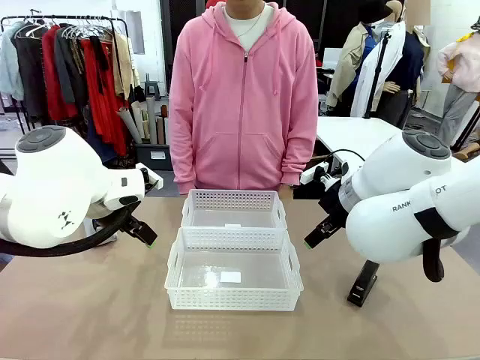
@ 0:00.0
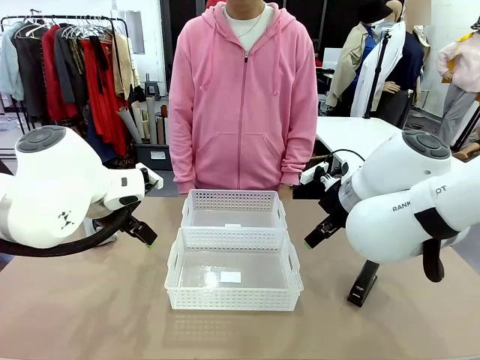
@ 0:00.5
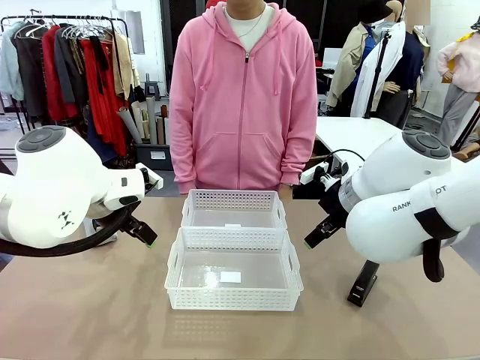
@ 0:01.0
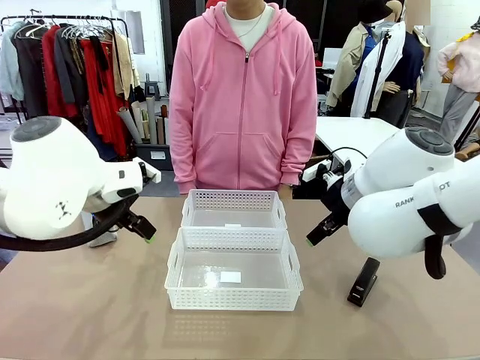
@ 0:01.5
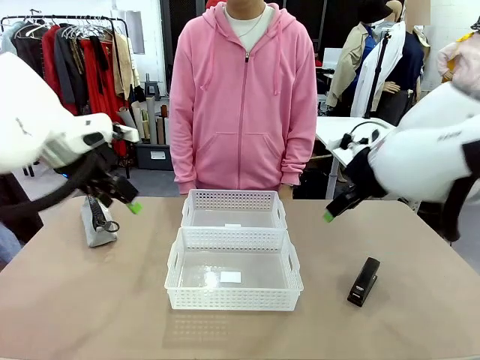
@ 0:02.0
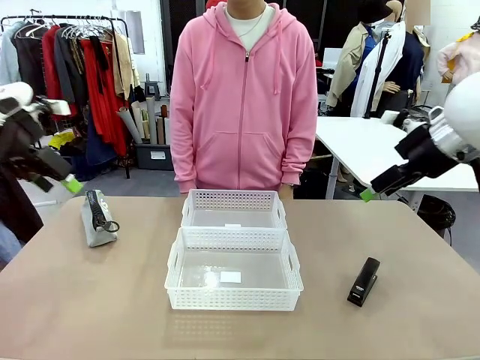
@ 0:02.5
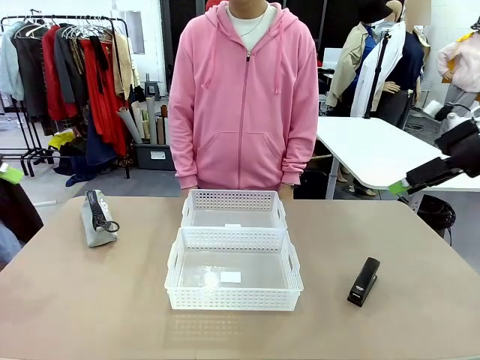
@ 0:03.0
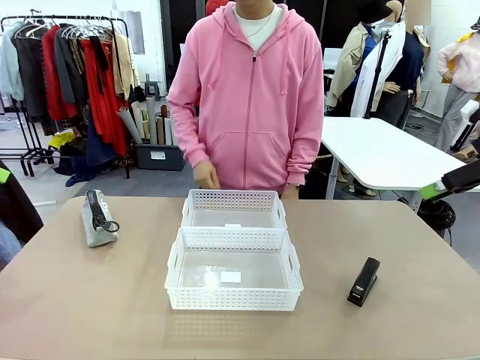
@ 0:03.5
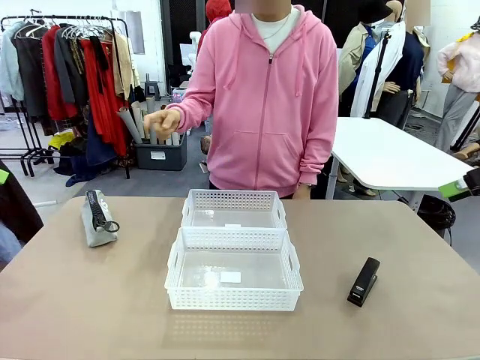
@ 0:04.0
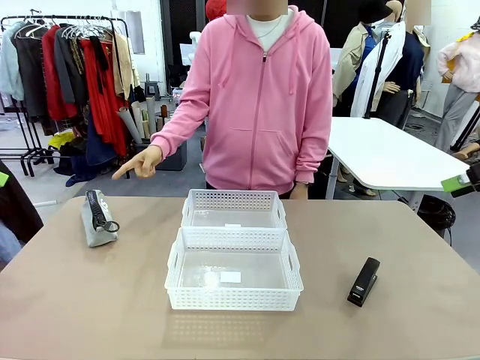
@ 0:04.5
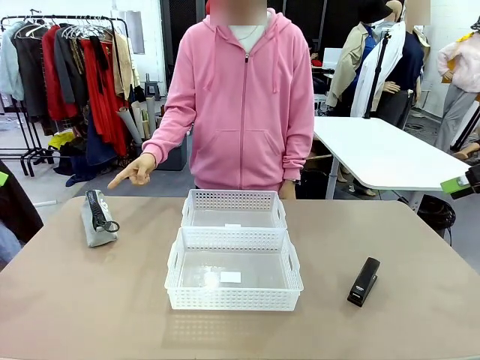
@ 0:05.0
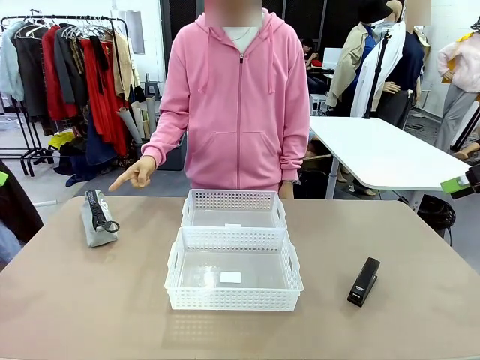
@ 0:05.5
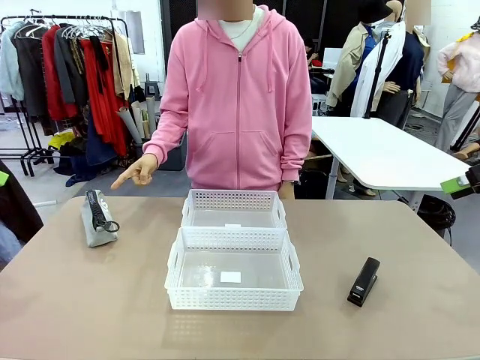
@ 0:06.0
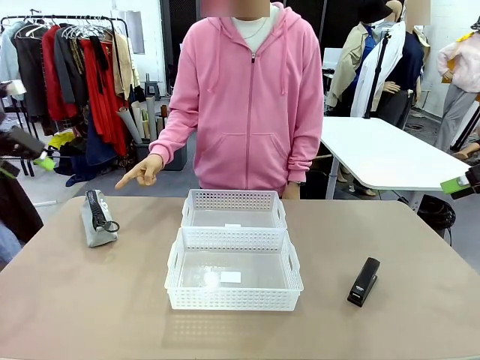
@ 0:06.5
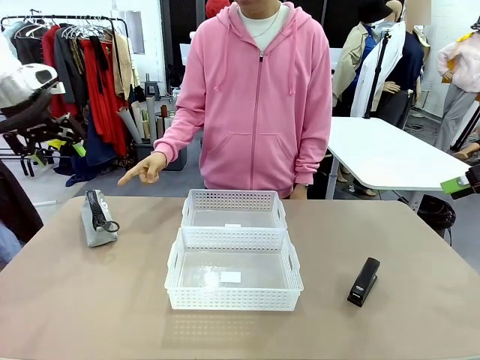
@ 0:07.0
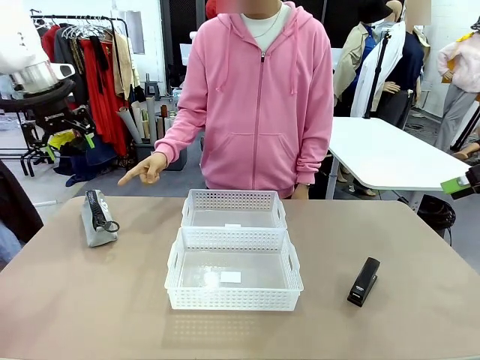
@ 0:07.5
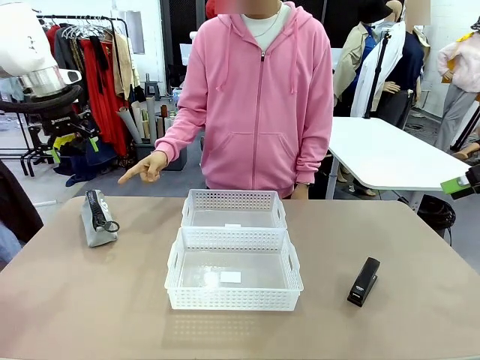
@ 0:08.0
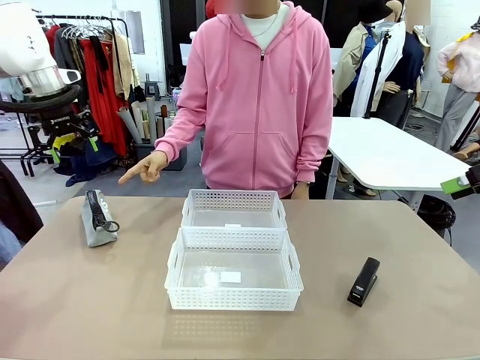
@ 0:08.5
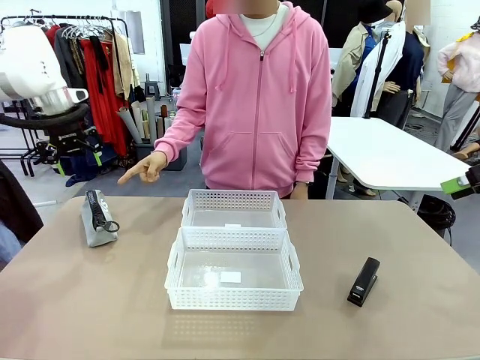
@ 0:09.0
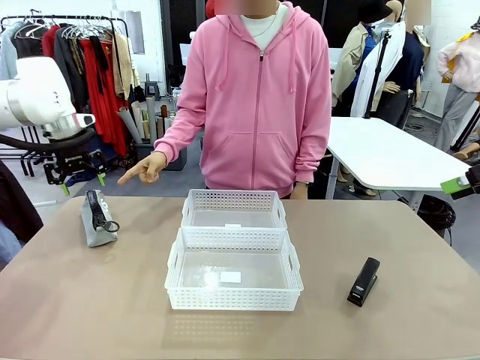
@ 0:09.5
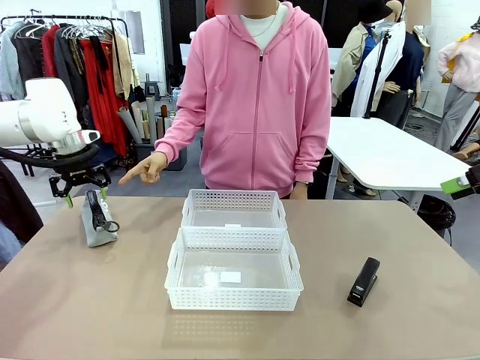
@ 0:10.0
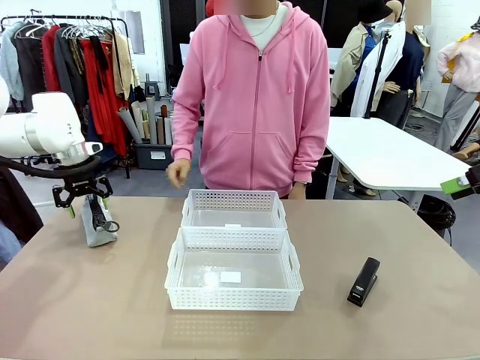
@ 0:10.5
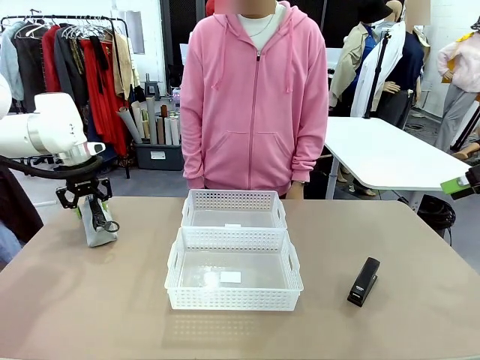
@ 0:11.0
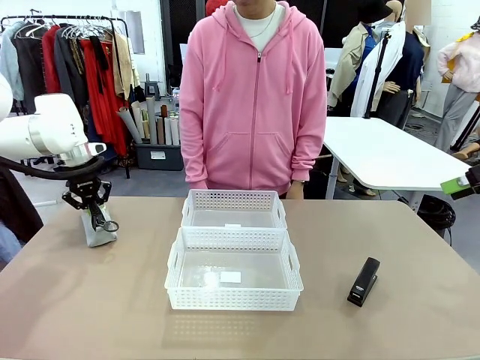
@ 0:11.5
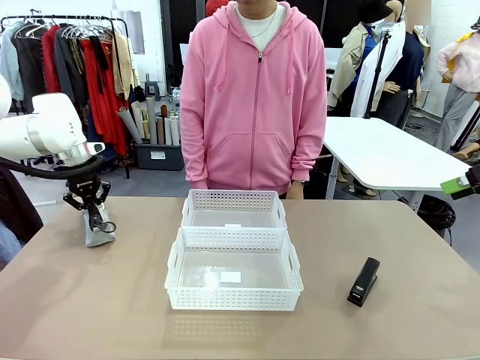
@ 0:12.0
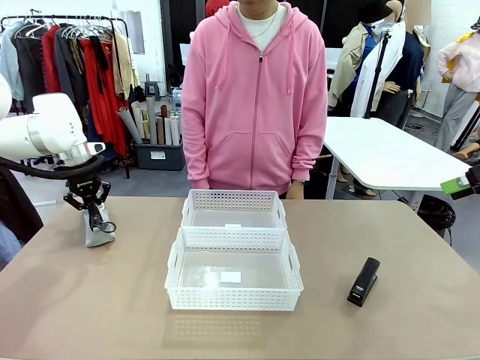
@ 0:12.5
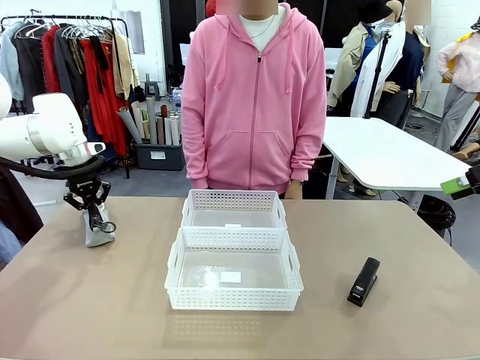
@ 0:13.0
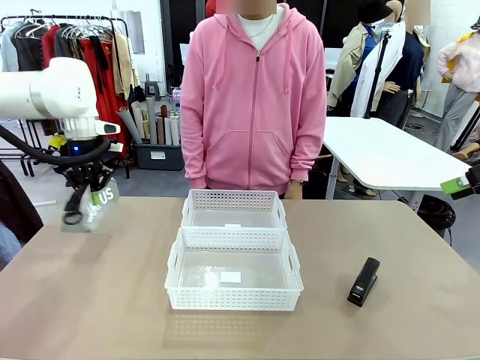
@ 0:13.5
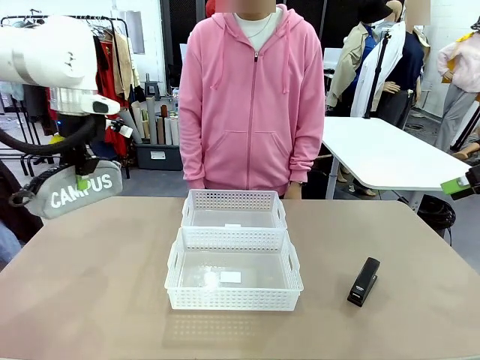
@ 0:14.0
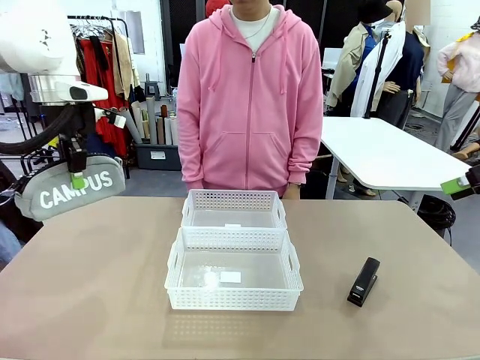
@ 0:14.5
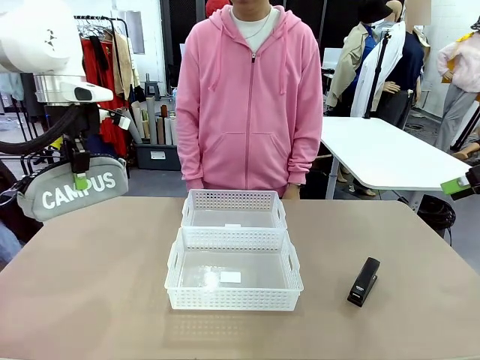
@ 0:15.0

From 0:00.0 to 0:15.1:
Task: Distribute items into two baskets.
Robot: Pick up the Pencil pouch that the person points to.
Person: Points to the pencil case. Points between the two organizing baskets and instructs the robot to move the pencil case.

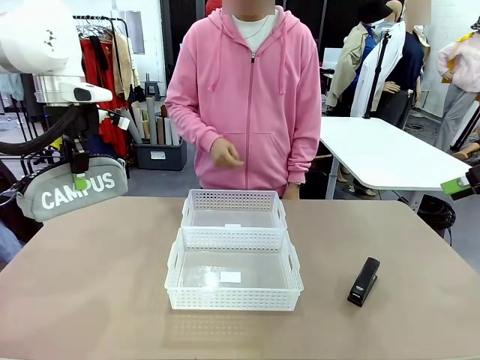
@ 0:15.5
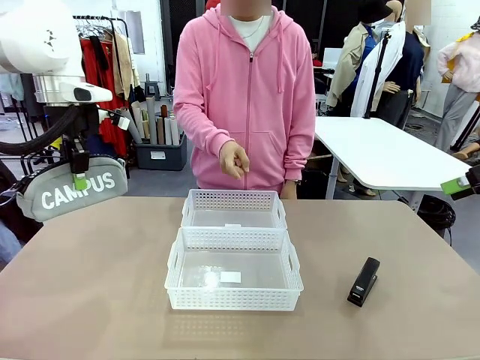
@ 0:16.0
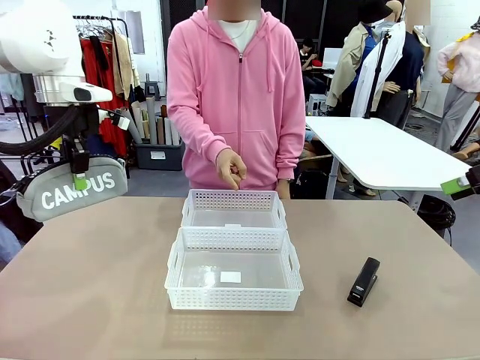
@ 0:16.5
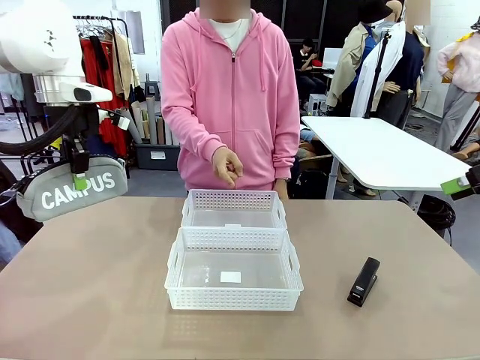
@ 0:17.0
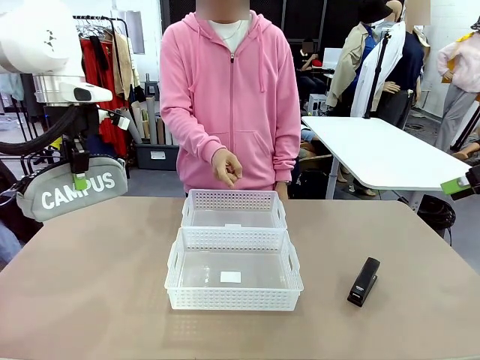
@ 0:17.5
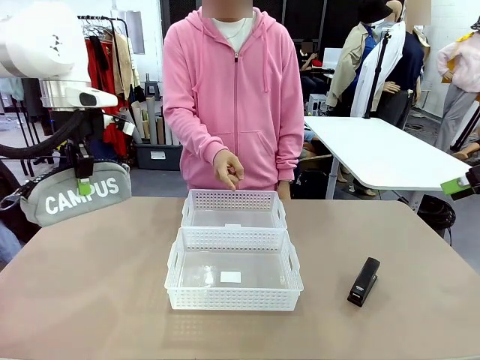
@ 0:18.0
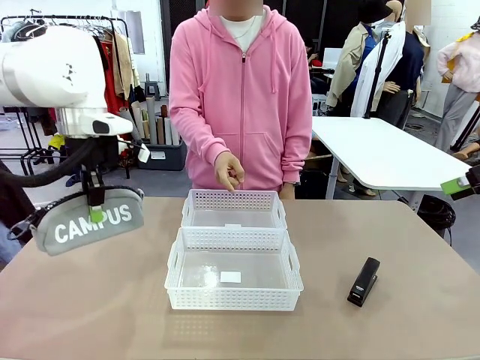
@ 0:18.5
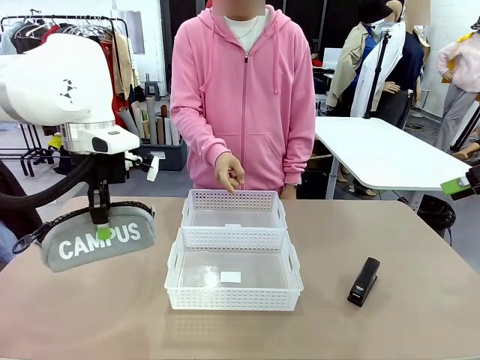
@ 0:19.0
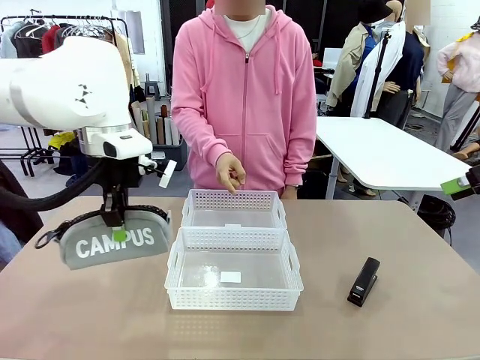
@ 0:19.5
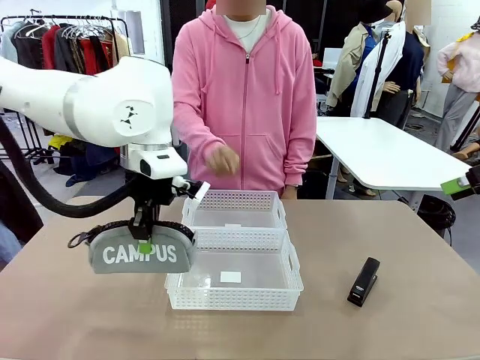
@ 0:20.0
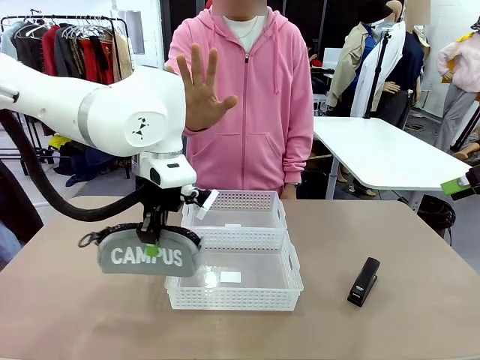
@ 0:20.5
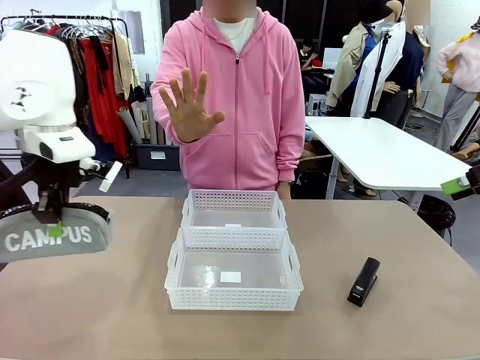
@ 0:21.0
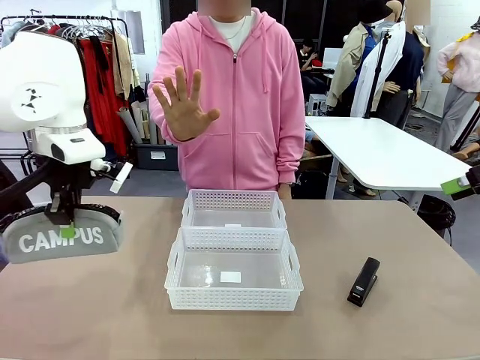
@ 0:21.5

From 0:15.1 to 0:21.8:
Robot: Move the picked Pencil pouch towards the Organizing basket indicated by the person, stopping as directed.
Person: Sends a stop gesture before the robot places the pencil case into the basket.

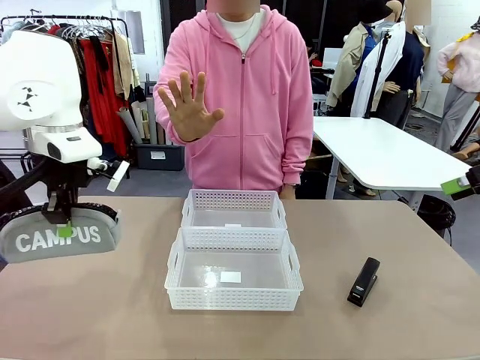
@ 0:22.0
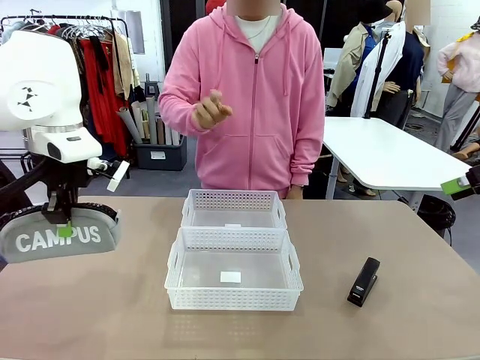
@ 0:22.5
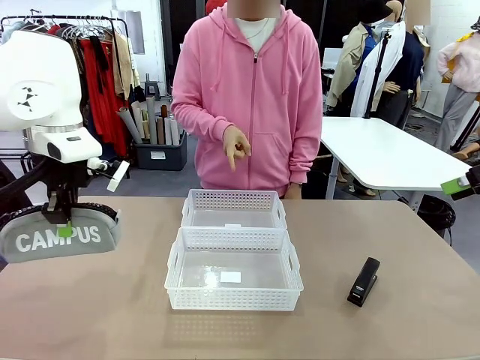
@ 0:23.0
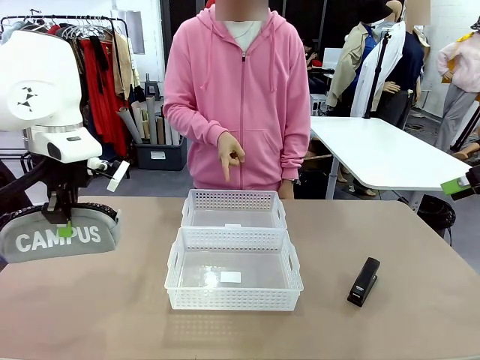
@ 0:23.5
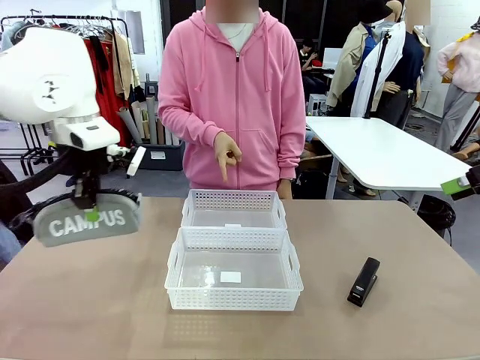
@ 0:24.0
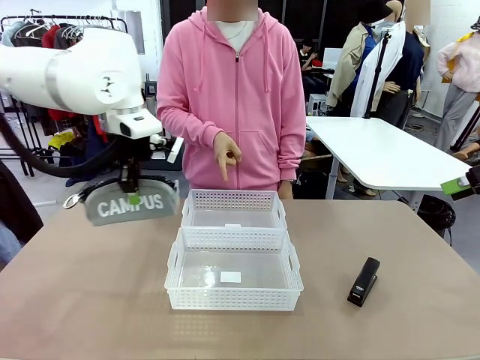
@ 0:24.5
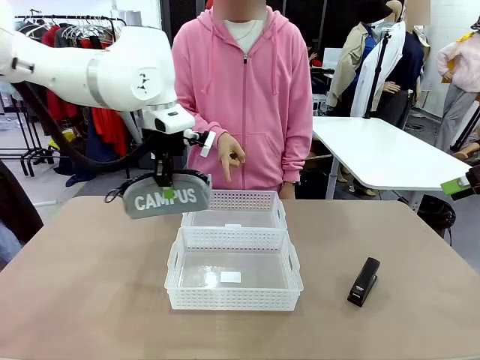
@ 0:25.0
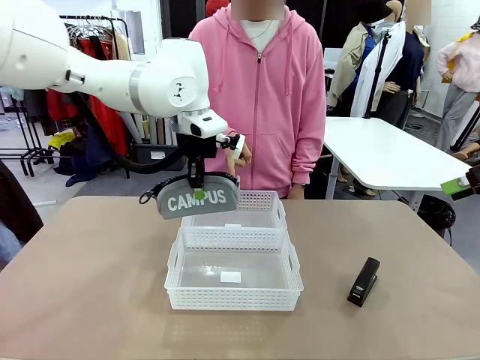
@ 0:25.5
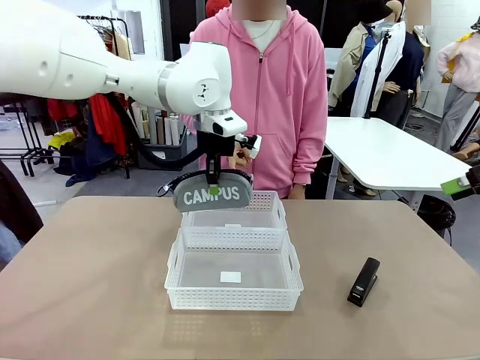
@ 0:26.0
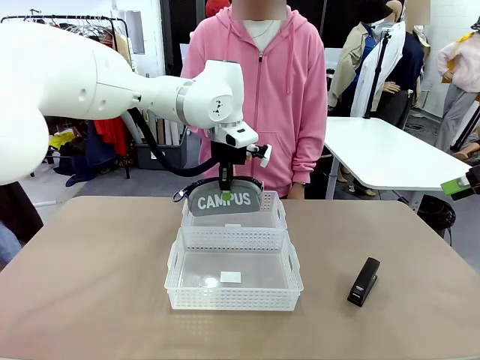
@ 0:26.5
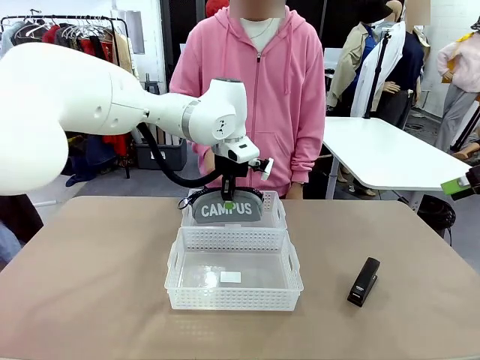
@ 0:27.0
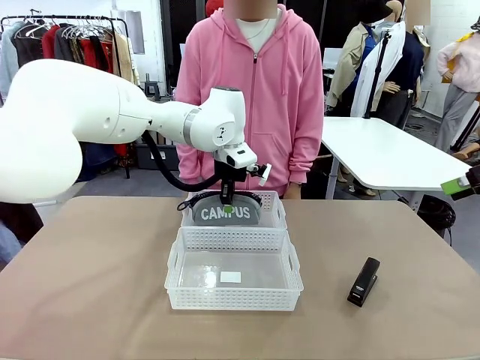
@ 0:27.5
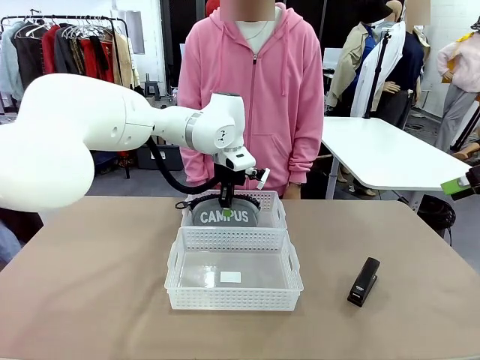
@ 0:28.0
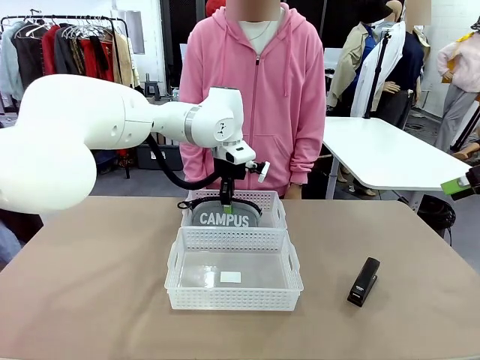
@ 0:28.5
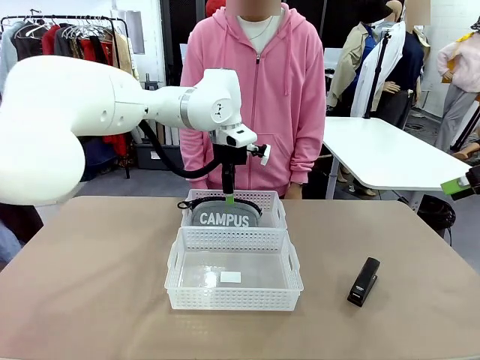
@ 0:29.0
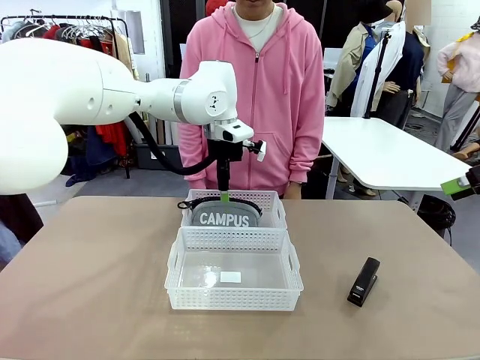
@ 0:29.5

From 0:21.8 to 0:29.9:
Robot: Place the picked Pencil pouch into the Organizing basket as instructed by the person.
Person: Instructs the robot to place the pencil case into the opposite basket. Points to the stapler.
